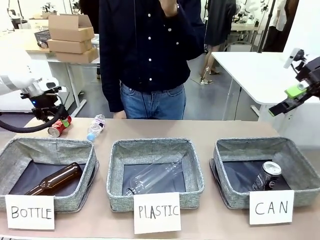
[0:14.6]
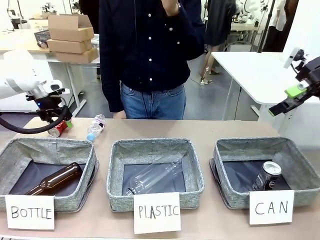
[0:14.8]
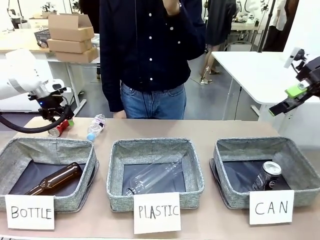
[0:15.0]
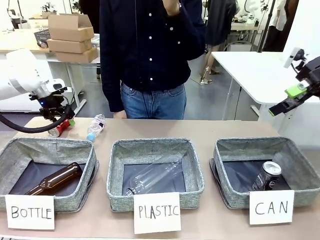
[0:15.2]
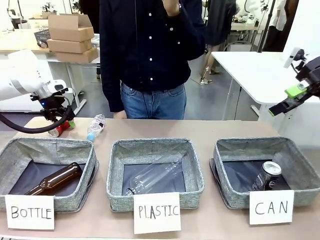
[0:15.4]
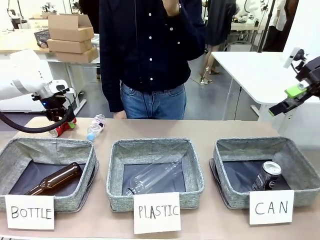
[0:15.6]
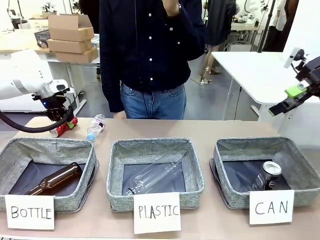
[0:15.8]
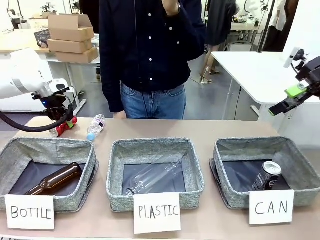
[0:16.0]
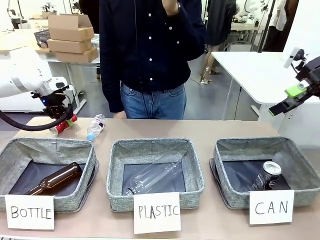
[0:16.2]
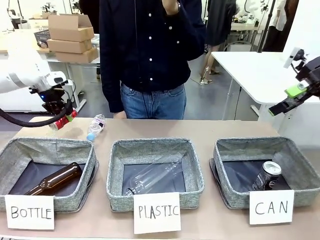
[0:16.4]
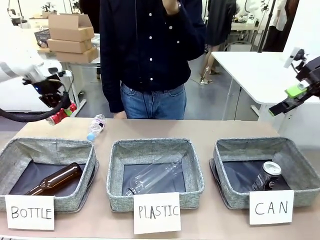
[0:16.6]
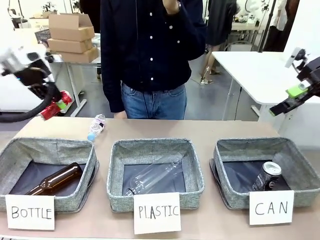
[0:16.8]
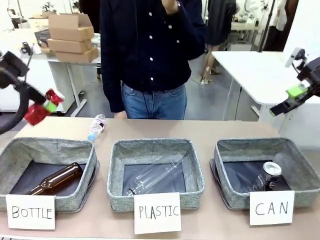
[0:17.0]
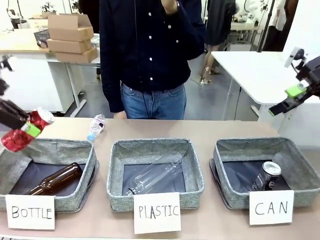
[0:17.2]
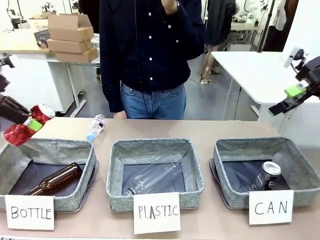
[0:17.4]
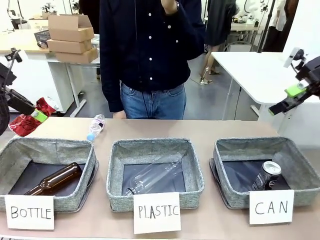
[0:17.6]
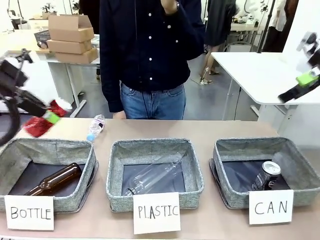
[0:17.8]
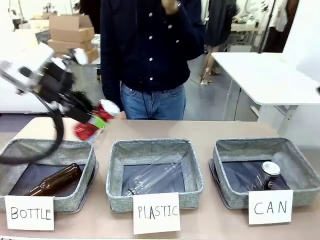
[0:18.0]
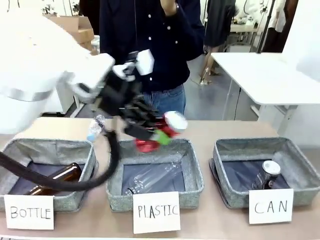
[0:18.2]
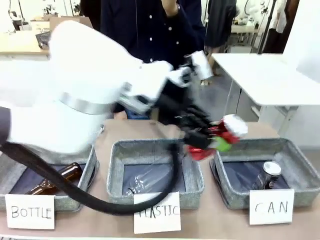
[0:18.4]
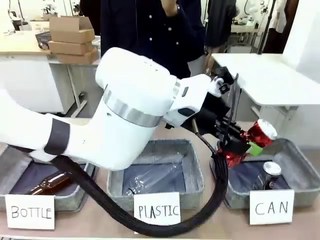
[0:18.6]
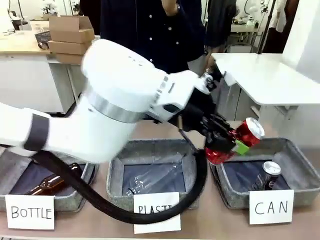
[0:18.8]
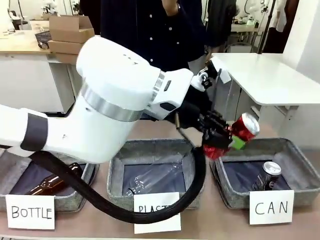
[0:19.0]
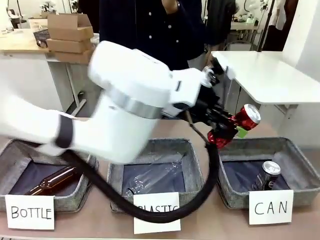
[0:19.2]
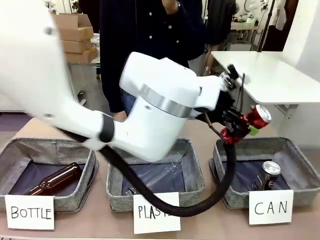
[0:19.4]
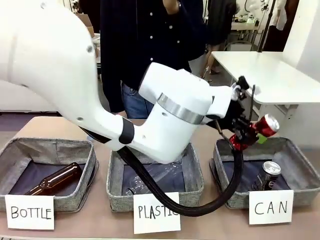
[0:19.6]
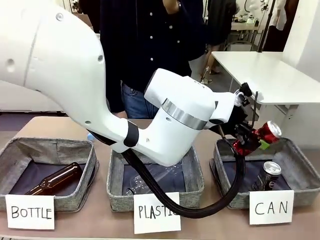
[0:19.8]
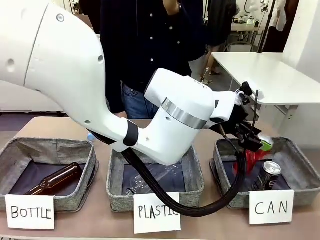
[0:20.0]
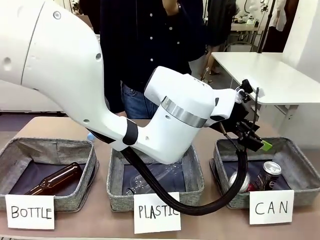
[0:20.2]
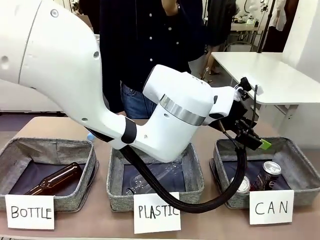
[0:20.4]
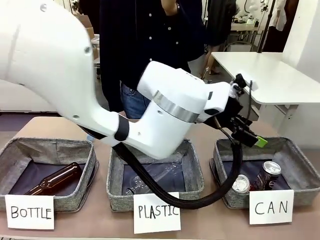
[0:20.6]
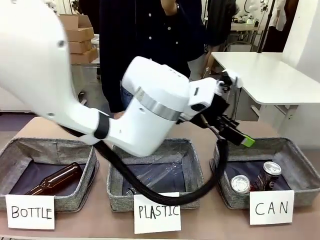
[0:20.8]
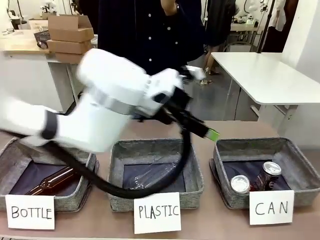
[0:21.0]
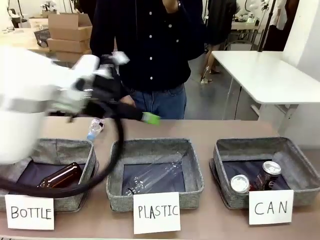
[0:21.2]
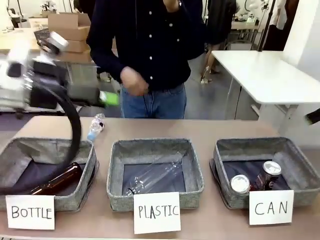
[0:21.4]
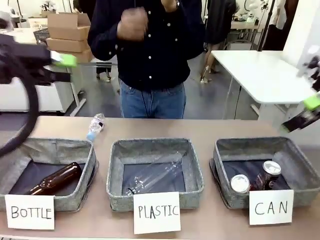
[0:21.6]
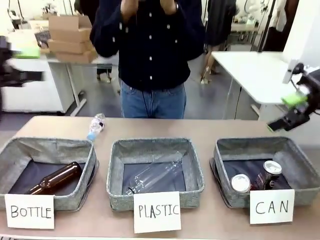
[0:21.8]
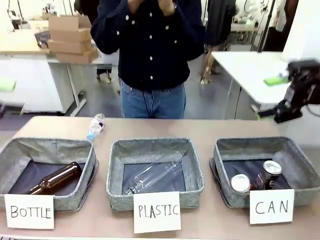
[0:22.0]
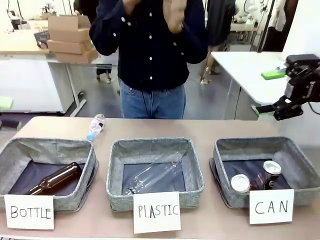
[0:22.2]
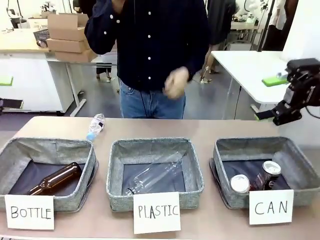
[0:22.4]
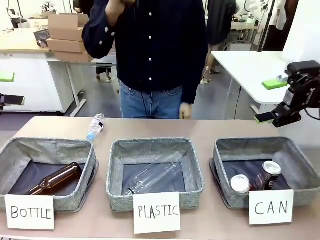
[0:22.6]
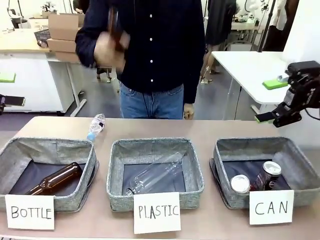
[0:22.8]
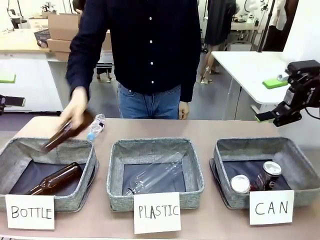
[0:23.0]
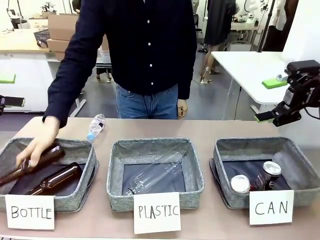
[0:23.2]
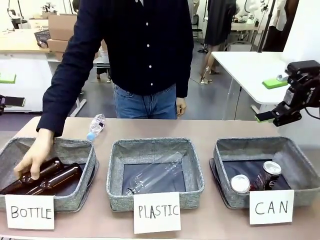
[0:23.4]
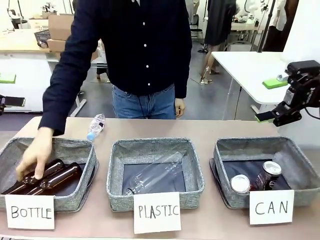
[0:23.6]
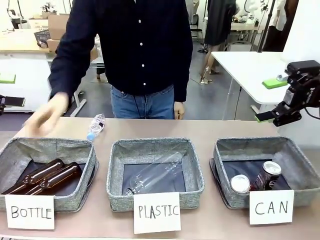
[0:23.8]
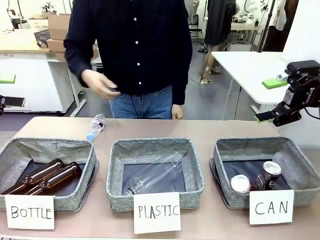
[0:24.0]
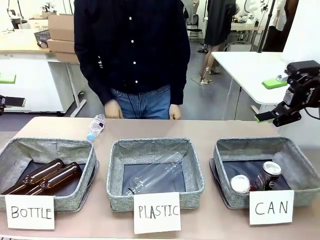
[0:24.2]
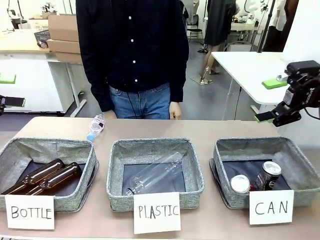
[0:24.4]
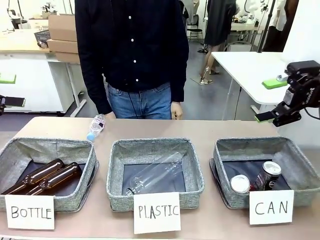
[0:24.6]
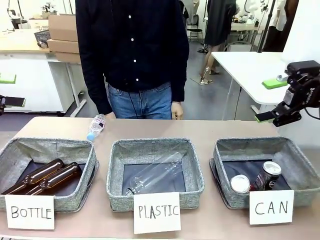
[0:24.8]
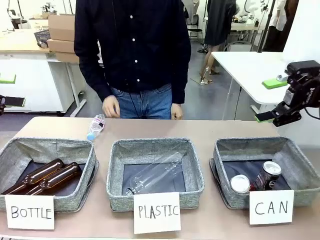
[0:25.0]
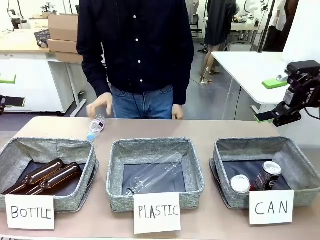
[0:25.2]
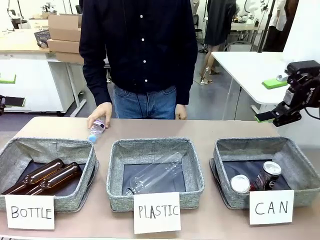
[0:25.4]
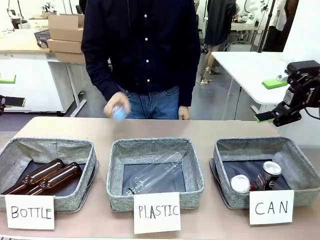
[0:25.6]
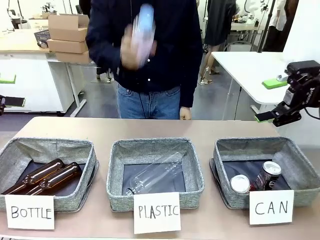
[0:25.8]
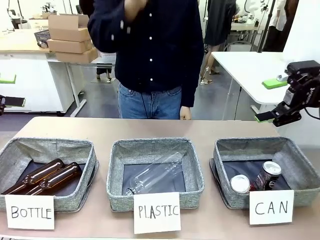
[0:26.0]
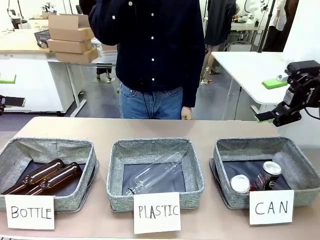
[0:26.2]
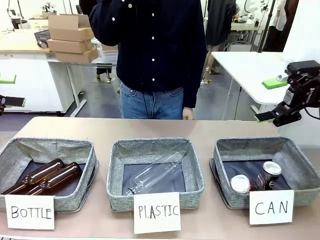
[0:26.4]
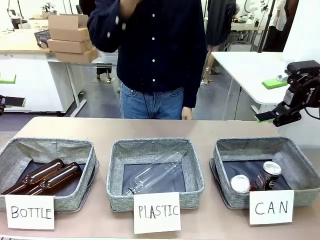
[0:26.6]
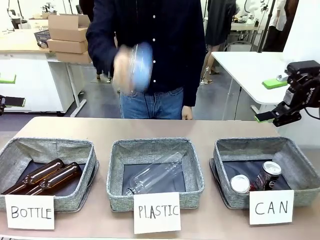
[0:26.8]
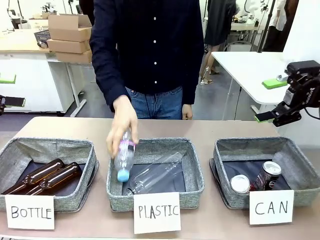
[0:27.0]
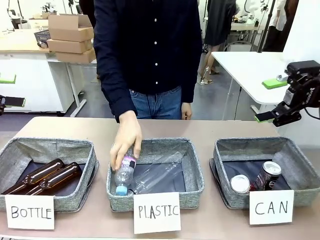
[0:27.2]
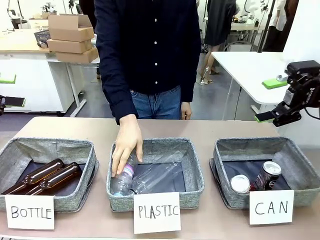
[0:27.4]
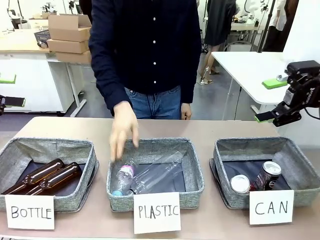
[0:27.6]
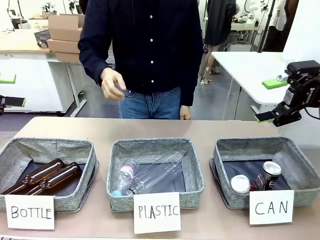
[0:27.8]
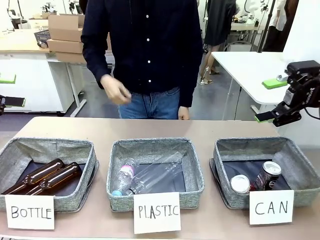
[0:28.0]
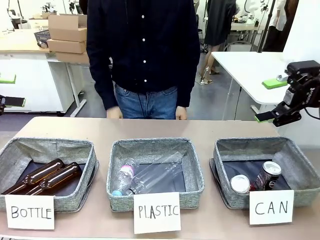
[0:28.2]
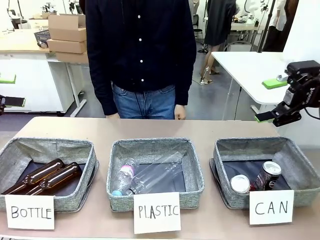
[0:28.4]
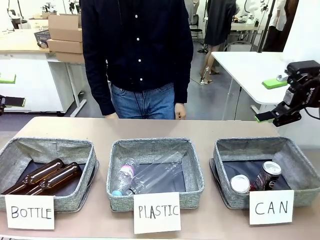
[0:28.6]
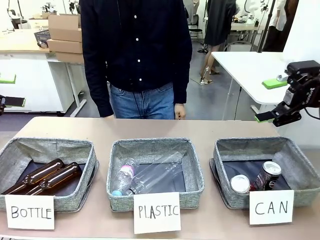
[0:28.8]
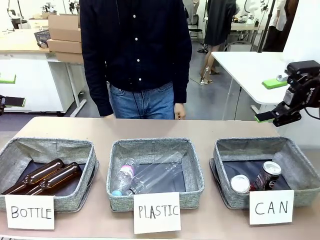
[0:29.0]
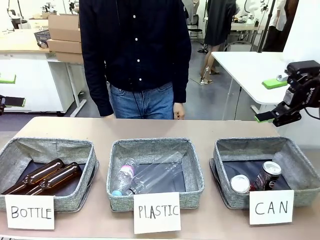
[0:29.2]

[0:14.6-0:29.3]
Task: Sort the can waste into the basket.
Robot: Pick up the can waste from the table and place it in the right Fabric basket.
Person: The human picks up one piece of trash that is not a can and places the trash into the appropriate organizing basket.
